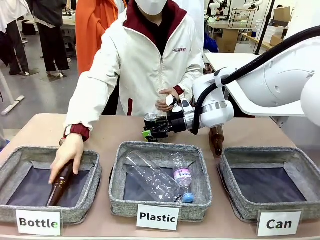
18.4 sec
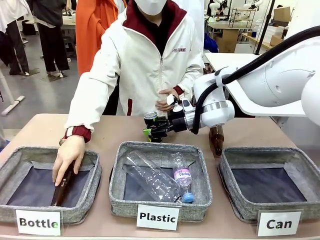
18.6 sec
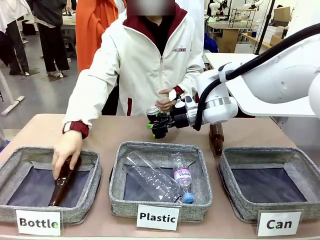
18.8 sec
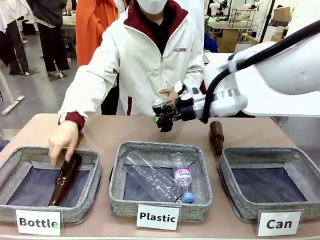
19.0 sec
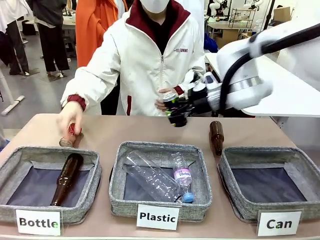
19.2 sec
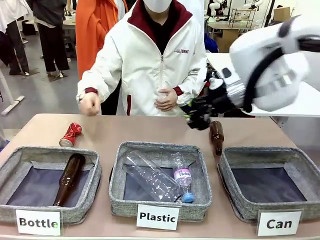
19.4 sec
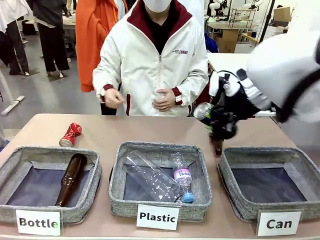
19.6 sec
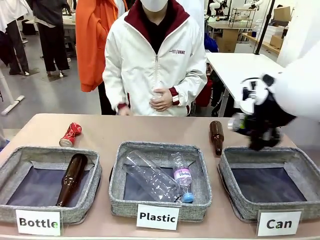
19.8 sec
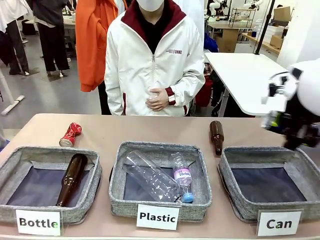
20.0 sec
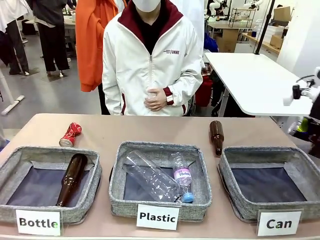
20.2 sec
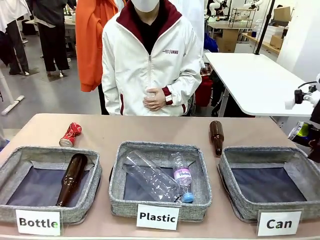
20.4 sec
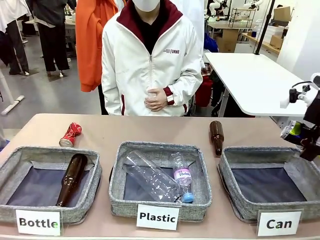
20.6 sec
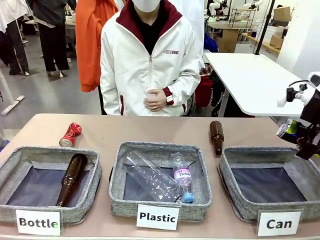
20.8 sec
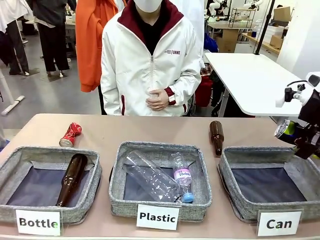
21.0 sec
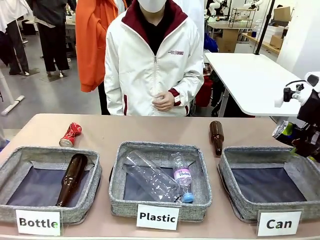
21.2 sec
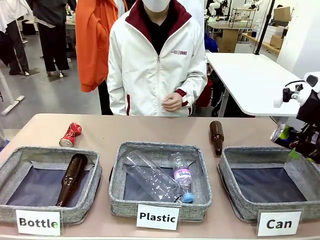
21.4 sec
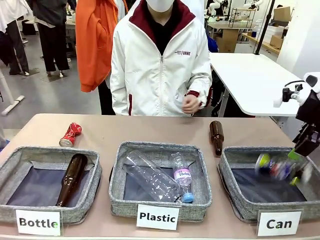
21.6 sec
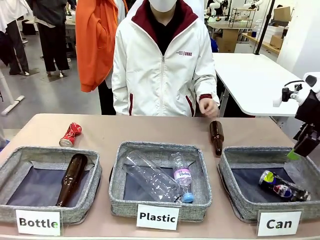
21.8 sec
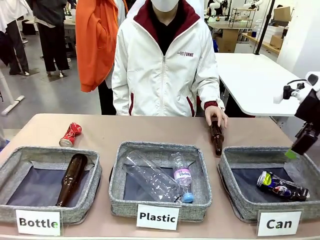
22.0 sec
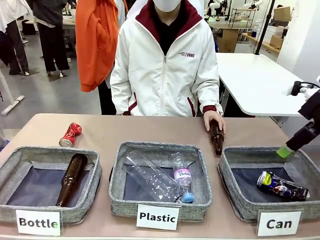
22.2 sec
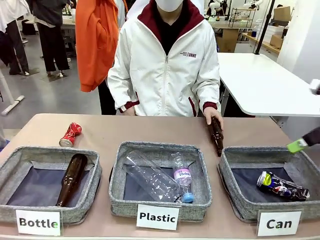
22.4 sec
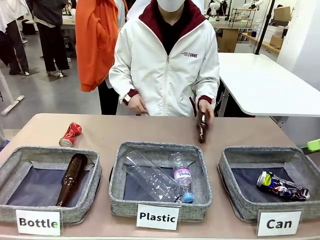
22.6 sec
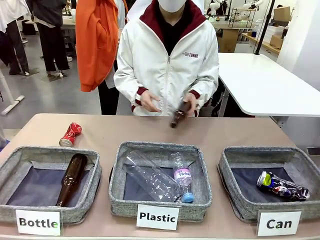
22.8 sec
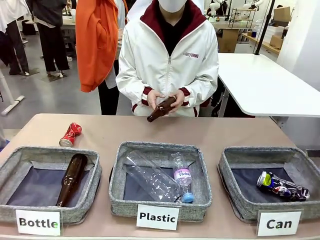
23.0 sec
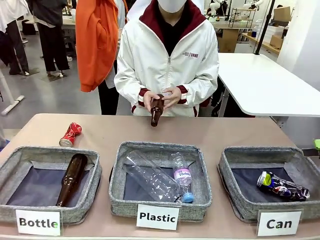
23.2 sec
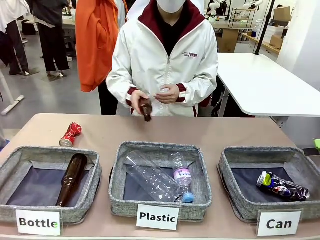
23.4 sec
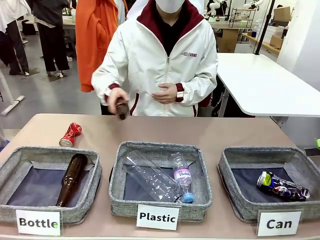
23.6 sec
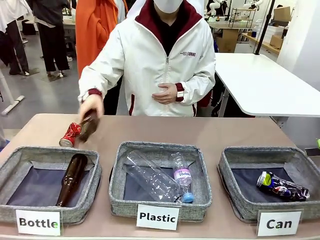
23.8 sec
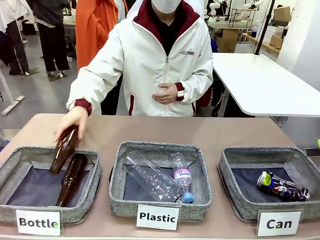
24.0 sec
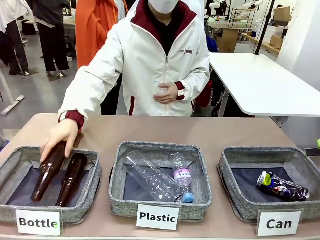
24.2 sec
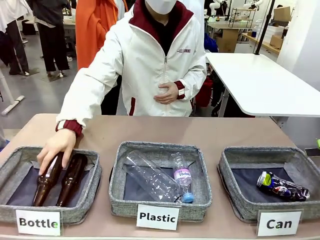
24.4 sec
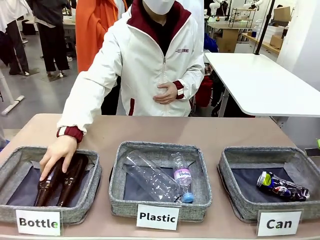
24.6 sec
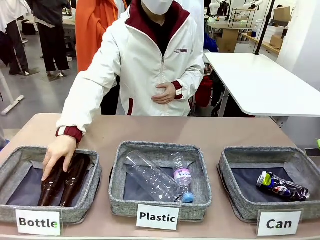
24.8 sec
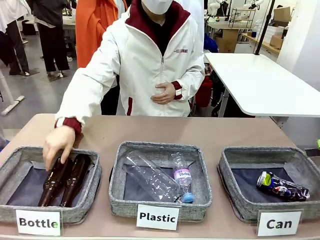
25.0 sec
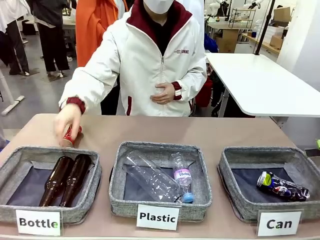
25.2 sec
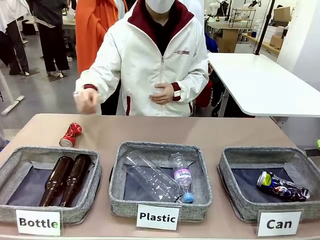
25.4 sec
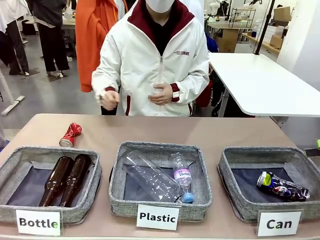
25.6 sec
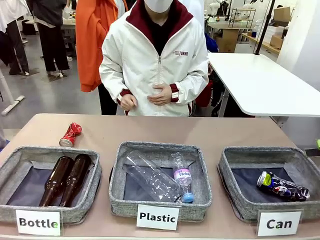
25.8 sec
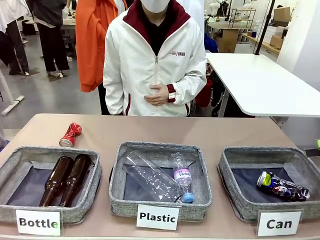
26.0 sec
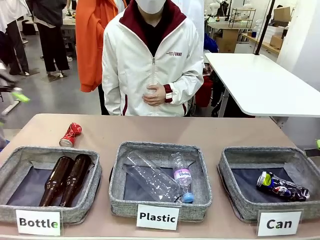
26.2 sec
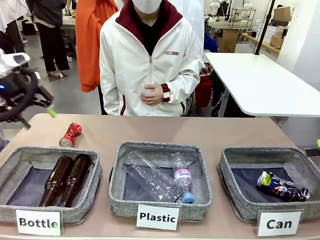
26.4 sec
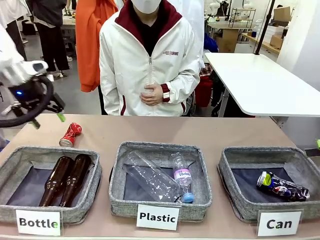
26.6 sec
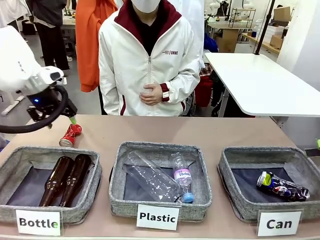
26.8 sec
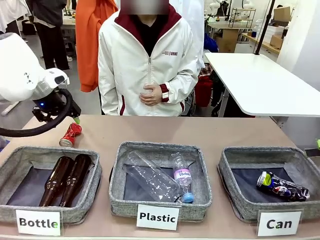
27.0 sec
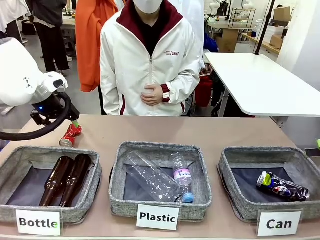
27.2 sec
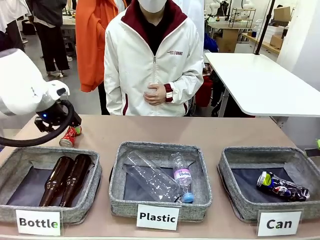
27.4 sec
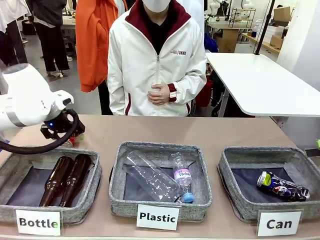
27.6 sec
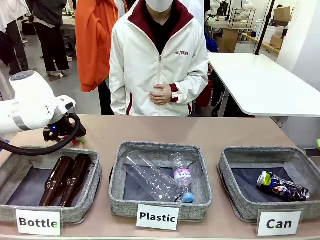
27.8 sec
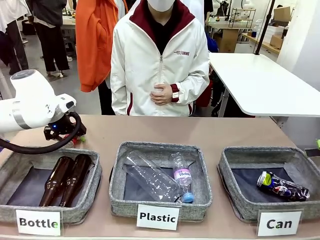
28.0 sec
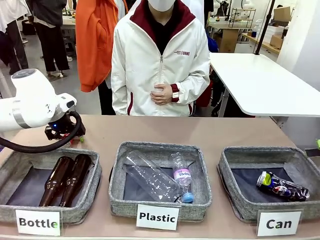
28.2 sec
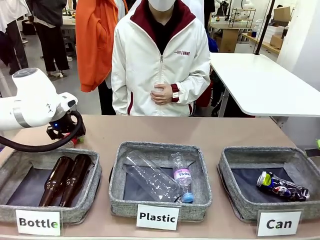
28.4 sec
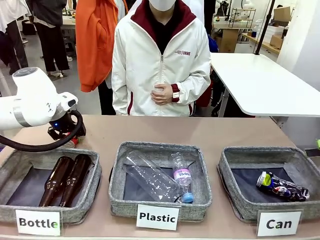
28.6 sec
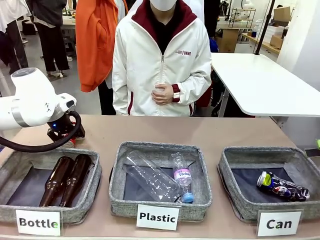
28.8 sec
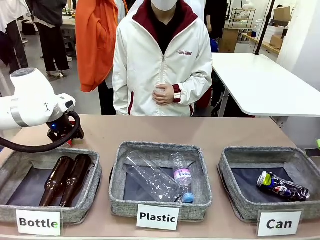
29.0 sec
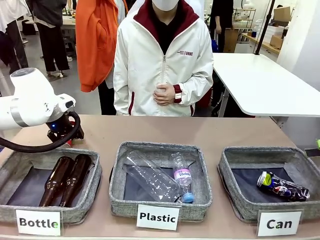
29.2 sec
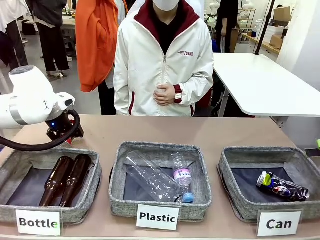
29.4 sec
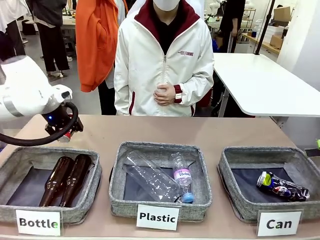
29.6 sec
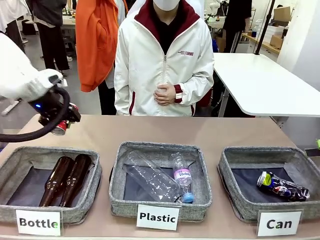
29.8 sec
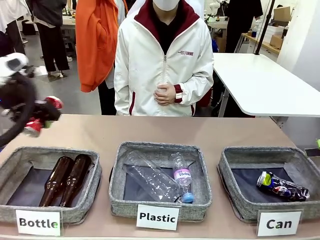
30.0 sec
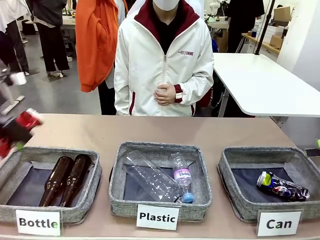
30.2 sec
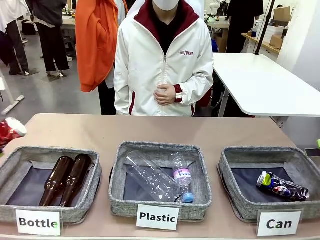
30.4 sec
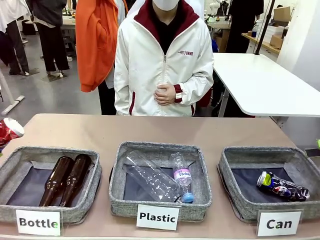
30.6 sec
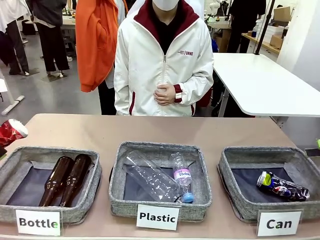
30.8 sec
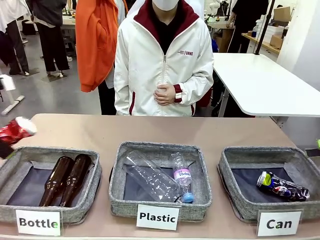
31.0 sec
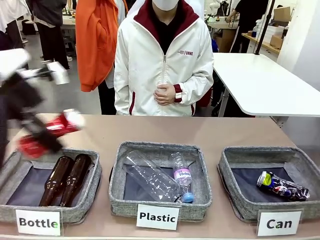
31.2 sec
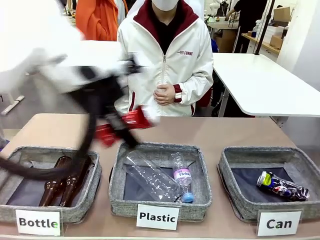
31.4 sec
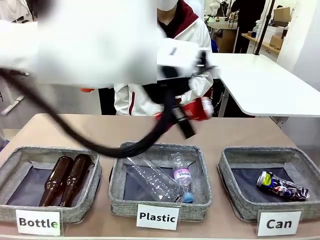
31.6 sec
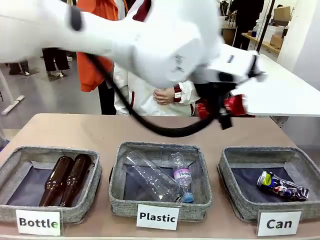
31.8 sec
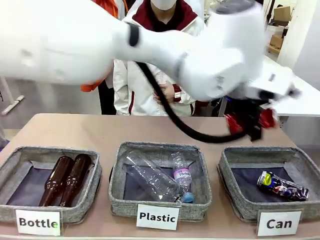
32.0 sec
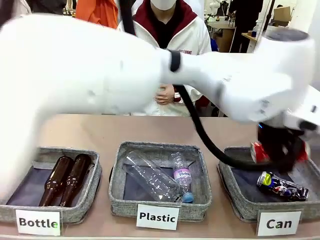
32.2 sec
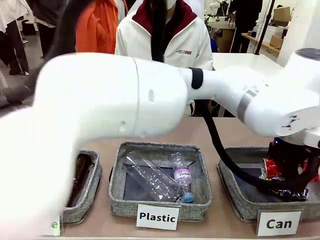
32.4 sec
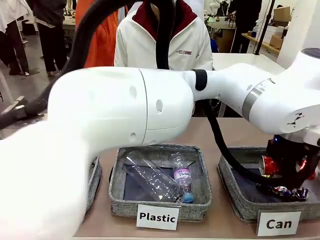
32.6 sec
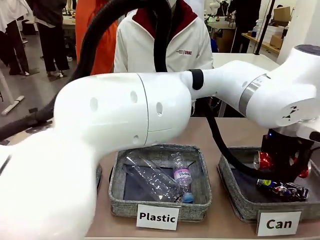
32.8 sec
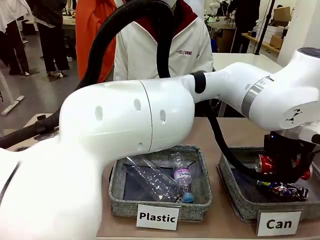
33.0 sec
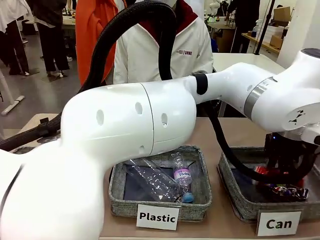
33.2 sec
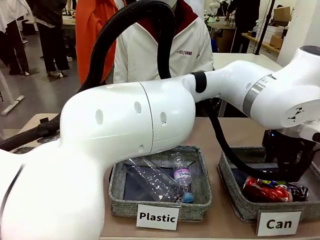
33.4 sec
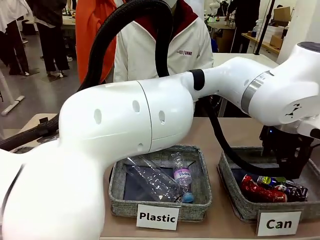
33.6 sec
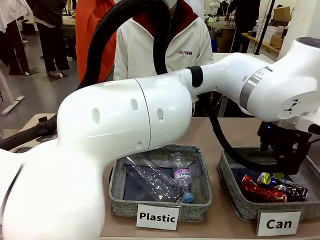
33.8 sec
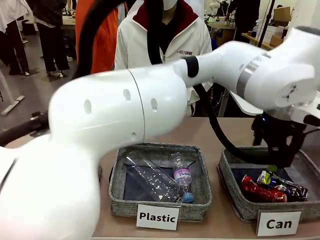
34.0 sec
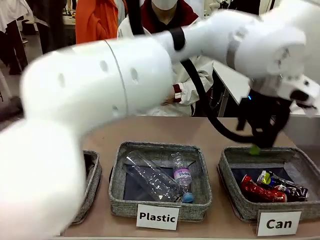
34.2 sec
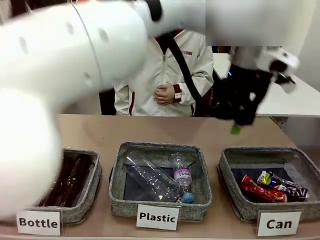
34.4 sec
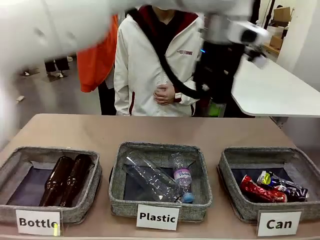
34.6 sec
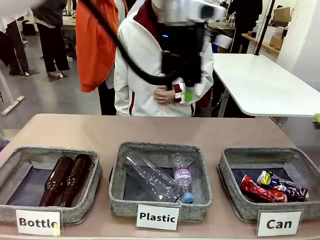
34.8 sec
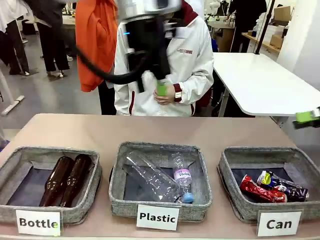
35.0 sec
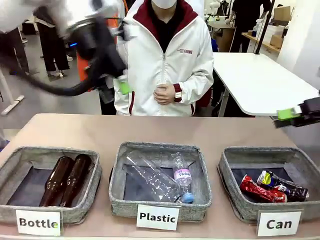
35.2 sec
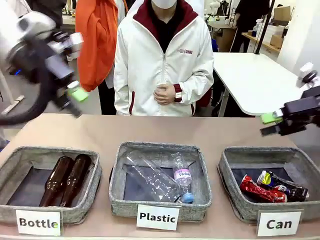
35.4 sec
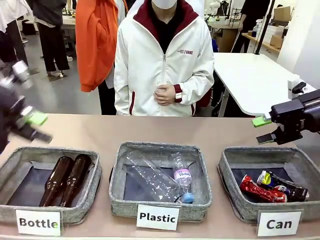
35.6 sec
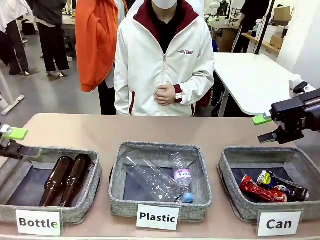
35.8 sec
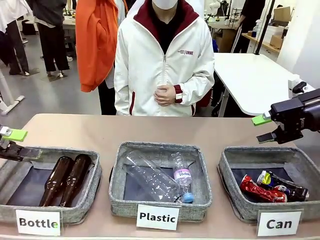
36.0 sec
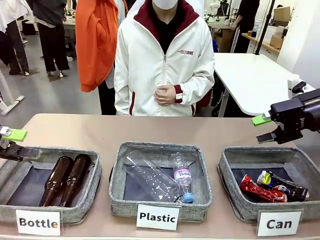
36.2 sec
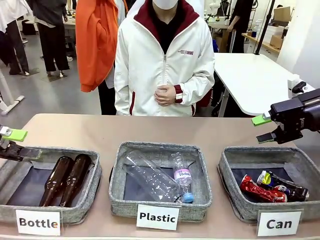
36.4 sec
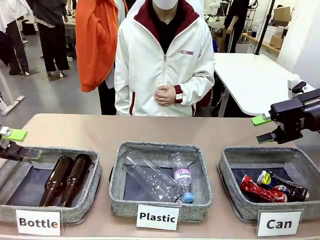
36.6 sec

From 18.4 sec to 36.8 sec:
Task: Sort the can waste into the basket.
Robot: Pick up the can waste from the table and place it in the right Fabric basket.
